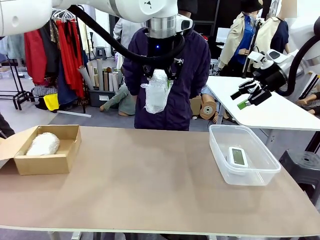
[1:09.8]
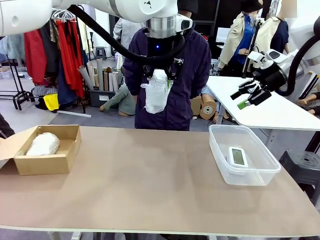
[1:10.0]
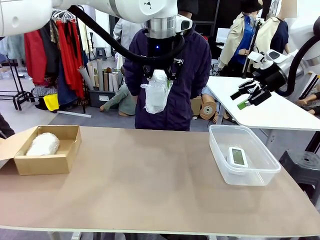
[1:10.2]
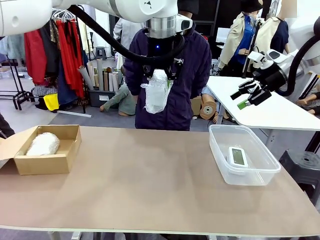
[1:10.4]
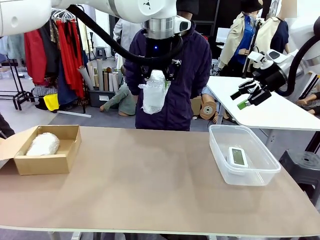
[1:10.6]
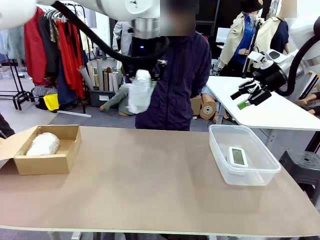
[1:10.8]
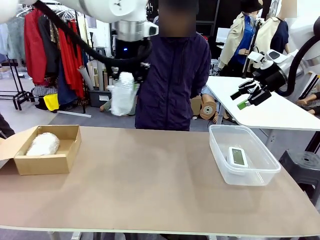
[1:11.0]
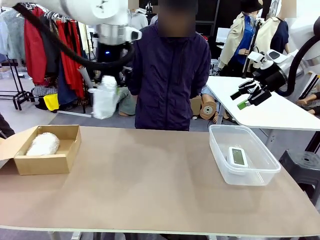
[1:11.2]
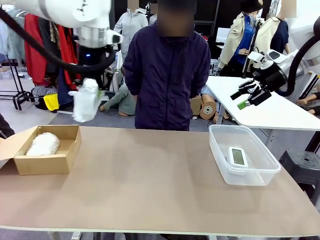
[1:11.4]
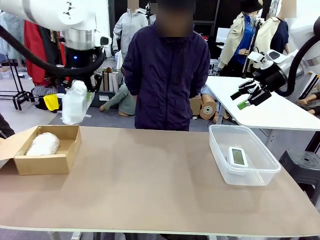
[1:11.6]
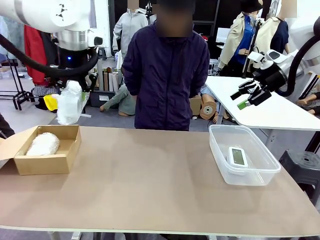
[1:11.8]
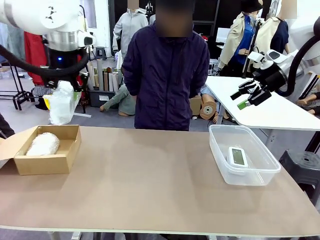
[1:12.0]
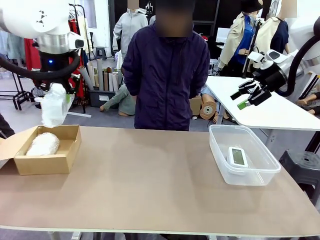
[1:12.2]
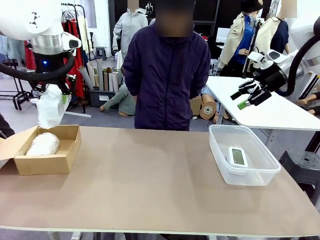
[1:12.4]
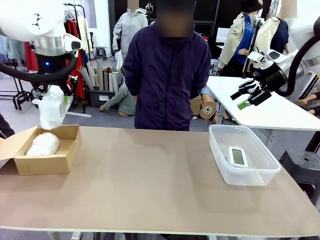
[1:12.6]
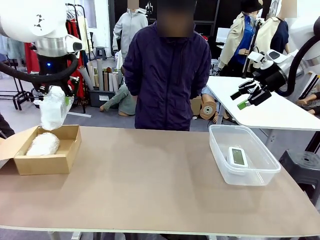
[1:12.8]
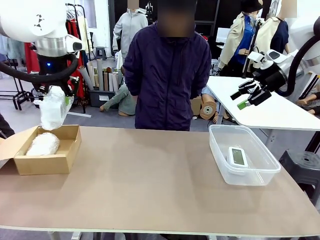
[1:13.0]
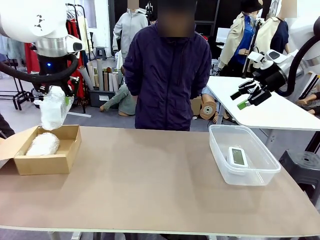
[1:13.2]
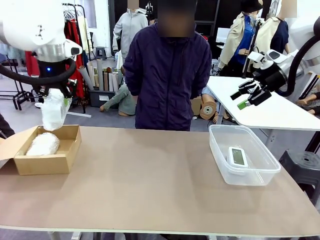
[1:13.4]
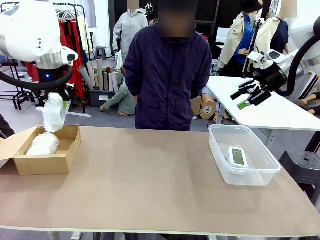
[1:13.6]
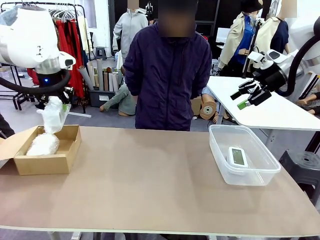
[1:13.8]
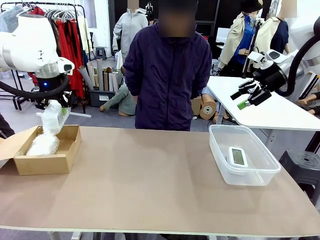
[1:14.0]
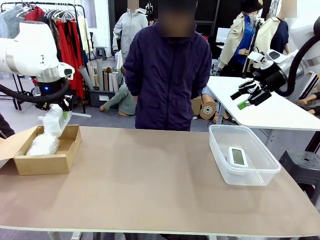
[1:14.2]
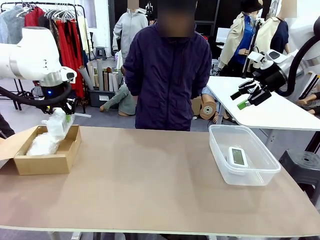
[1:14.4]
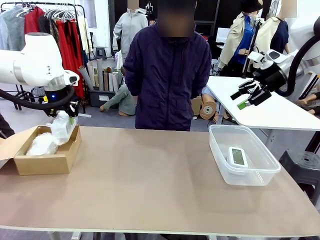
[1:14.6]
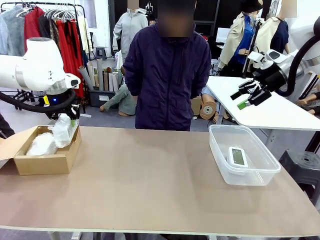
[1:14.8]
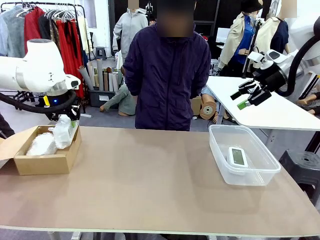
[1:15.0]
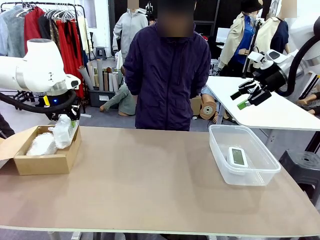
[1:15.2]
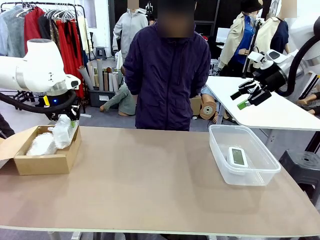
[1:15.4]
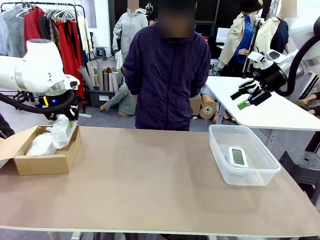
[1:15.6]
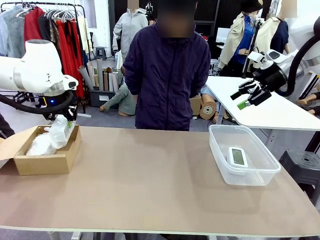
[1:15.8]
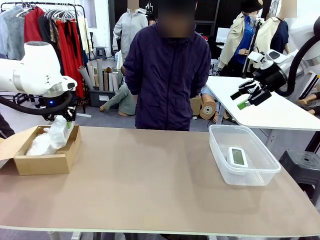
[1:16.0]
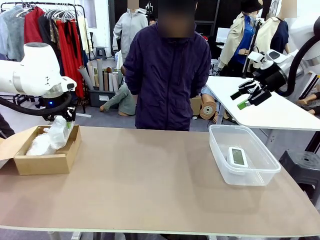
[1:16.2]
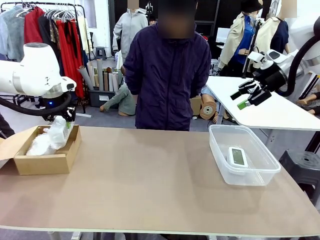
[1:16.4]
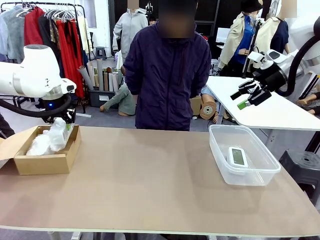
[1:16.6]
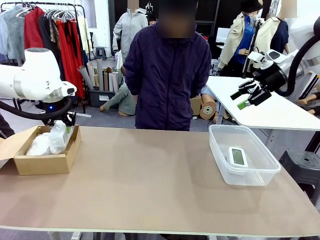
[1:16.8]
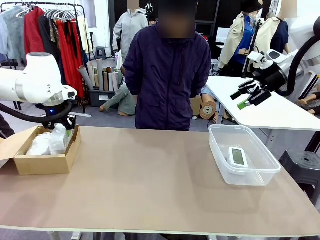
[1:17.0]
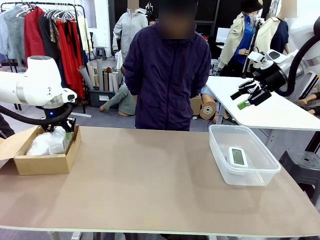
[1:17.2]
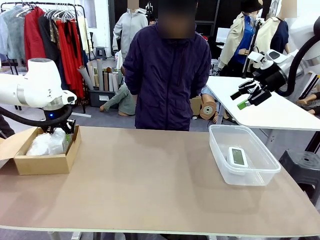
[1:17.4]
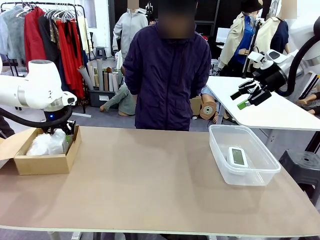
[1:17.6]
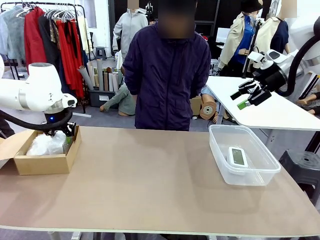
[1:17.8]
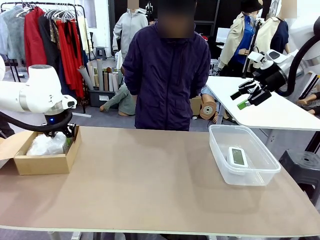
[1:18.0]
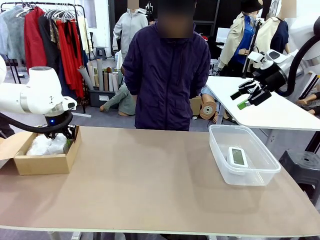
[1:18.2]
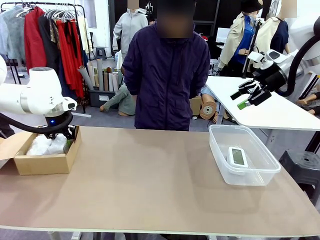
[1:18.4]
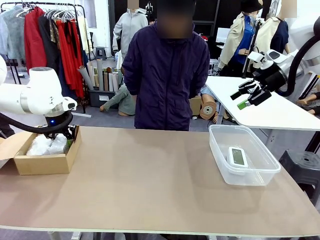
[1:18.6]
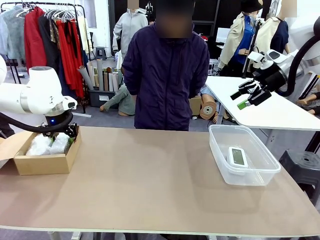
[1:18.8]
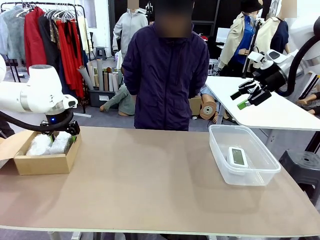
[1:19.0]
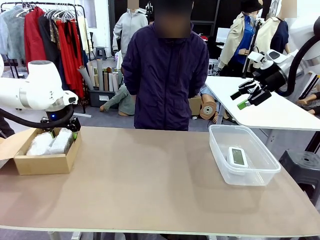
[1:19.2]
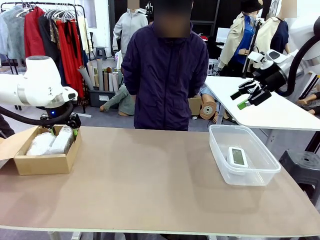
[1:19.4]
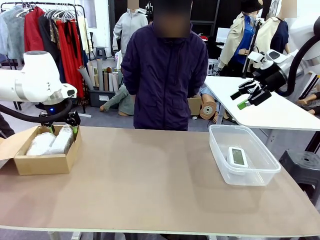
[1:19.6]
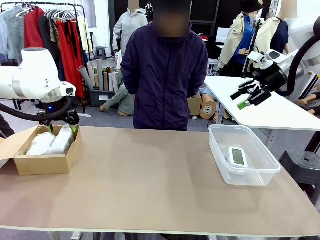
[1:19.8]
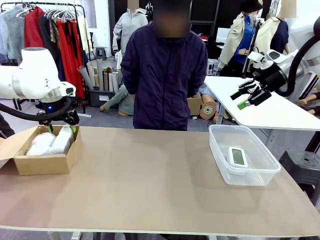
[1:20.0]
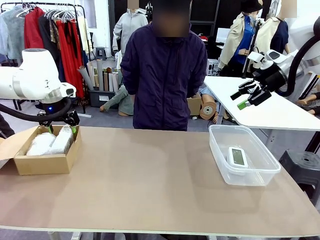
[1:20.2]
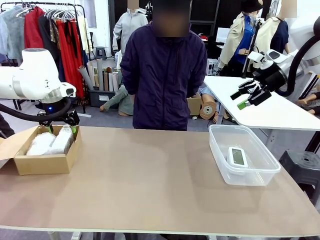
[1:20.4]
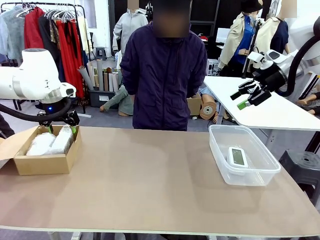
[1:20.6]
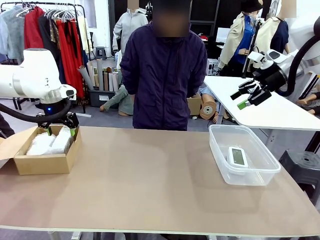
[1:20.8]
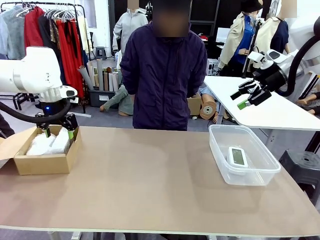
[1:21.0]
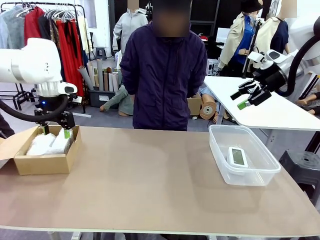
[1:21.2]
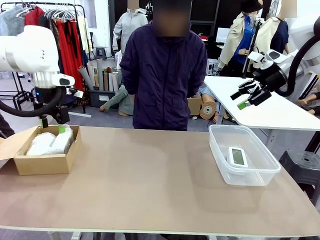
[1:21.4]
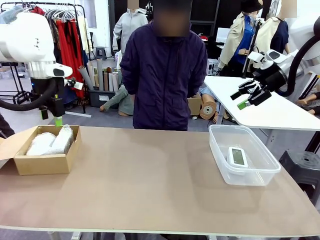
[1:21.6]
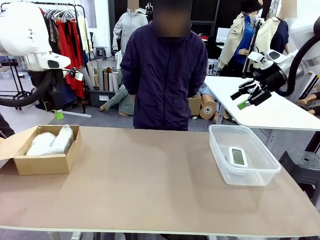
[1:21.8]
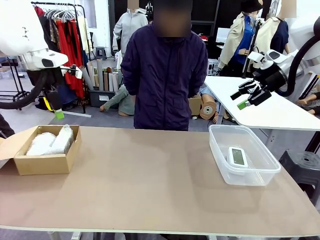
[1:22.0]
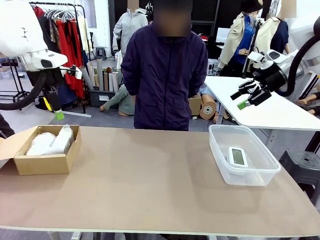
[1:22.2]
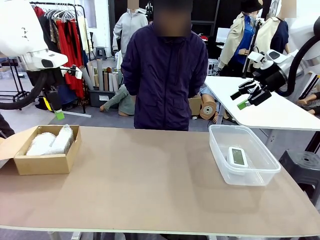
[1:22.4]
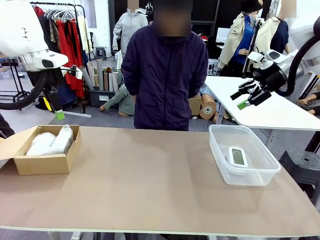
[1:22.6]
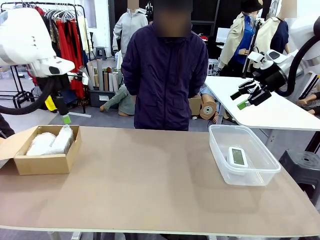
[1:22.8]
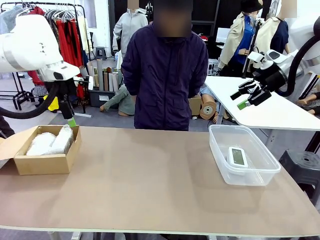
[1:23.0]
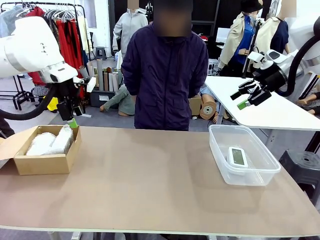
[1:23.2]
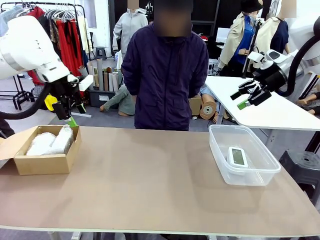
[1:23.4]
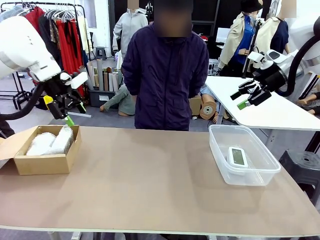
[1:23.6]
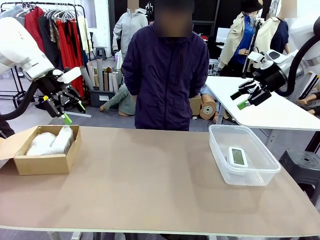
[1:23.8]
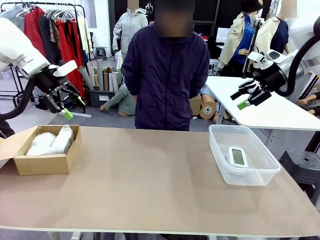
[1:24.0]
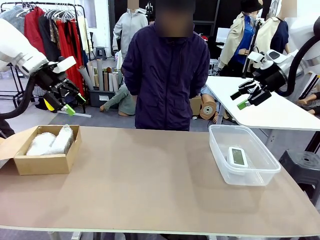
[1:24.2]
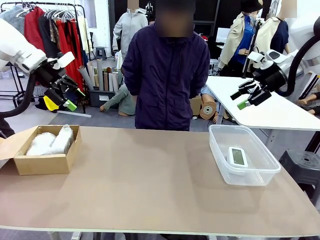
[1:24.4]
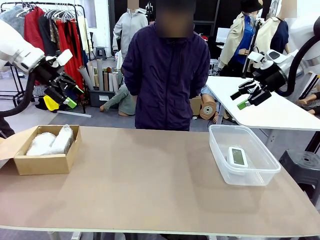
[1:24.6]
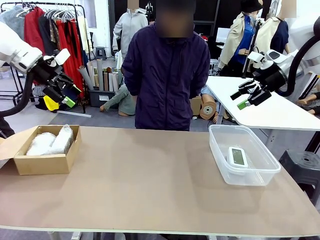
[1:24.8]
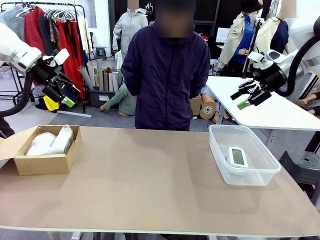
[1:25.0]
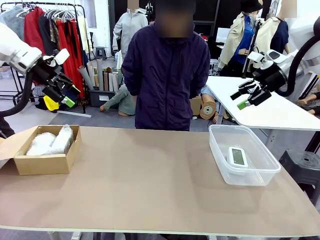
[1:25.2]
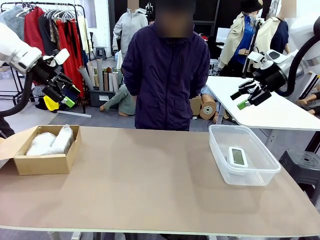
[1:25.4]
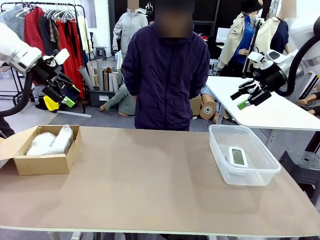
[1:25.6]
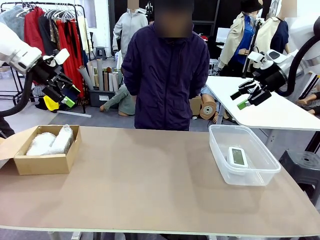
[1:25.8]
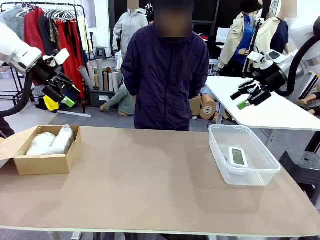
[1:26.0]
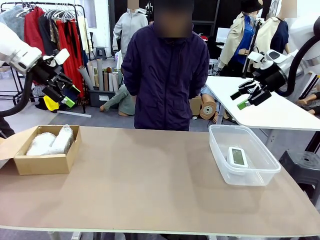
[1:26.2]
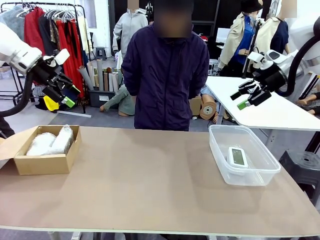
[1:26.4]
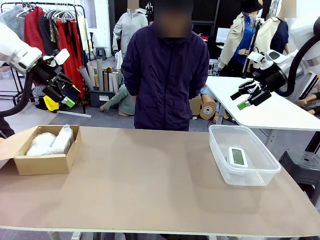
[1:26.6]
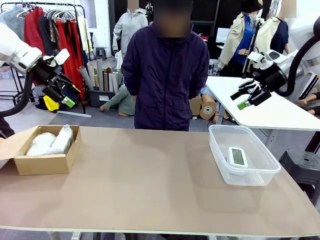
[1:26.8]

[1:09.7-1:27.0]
Task: Separate and place wrapped and unwrapped clocks.
Robot: If the picked Digital clock is wrapped, place it in the Package Box ; if not, place it in the Organizing box.
